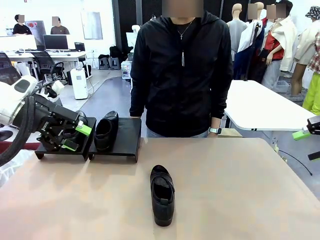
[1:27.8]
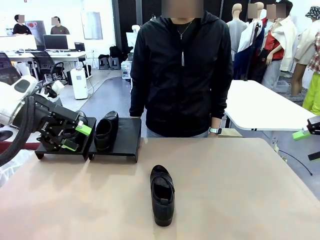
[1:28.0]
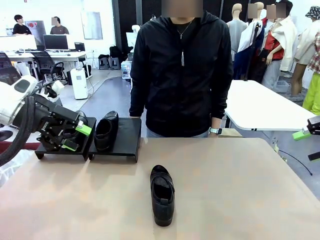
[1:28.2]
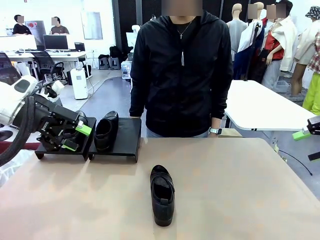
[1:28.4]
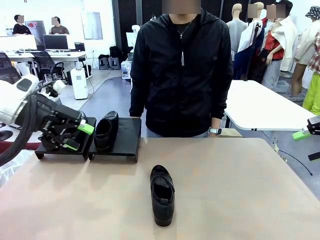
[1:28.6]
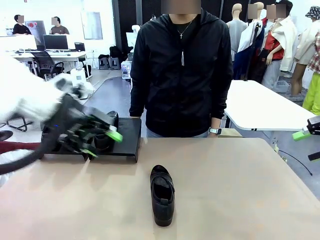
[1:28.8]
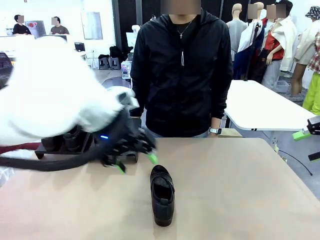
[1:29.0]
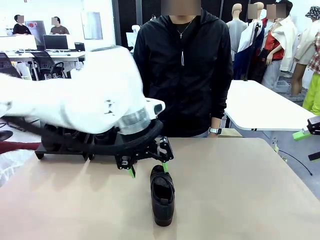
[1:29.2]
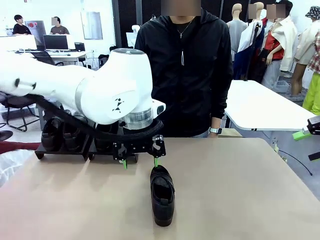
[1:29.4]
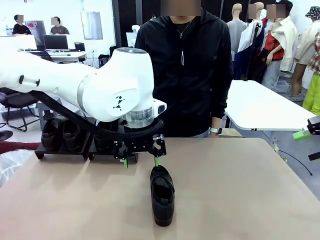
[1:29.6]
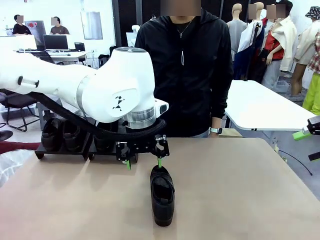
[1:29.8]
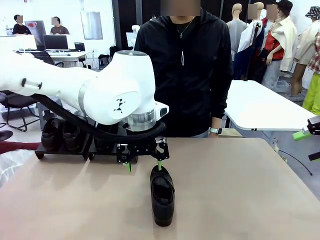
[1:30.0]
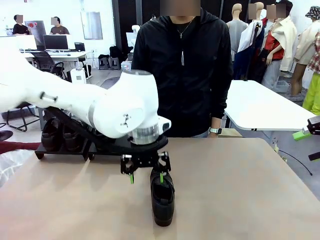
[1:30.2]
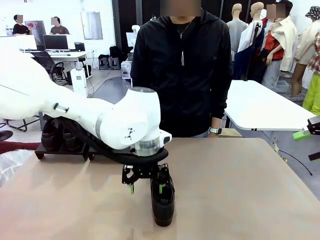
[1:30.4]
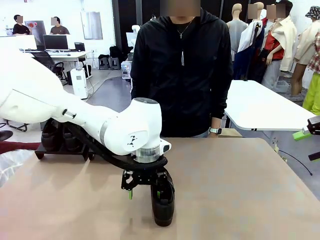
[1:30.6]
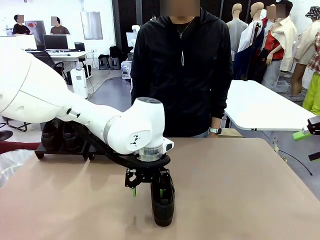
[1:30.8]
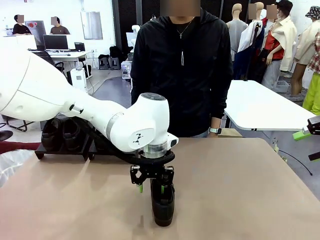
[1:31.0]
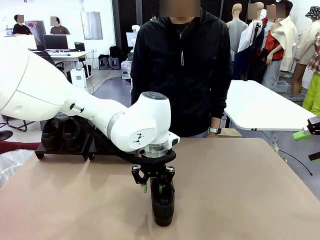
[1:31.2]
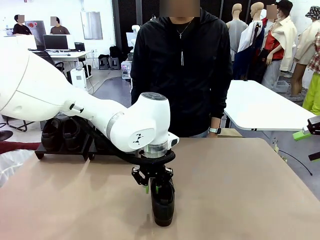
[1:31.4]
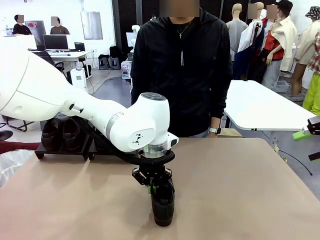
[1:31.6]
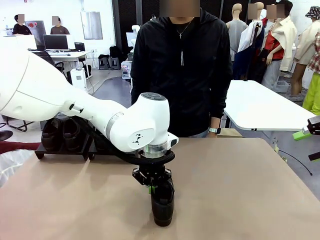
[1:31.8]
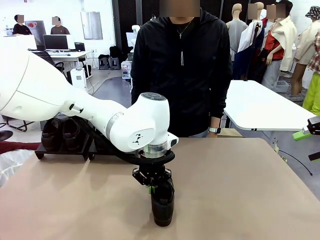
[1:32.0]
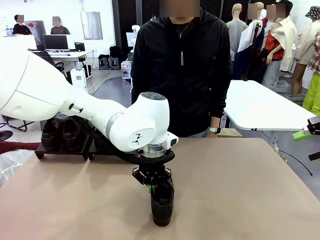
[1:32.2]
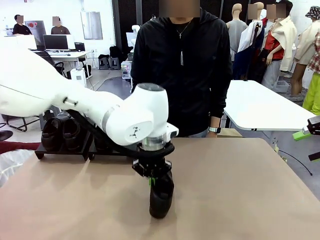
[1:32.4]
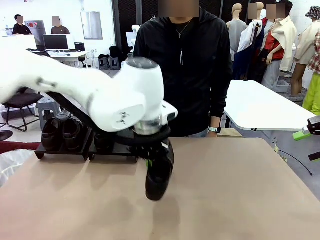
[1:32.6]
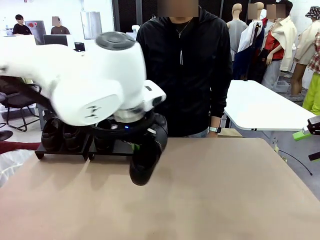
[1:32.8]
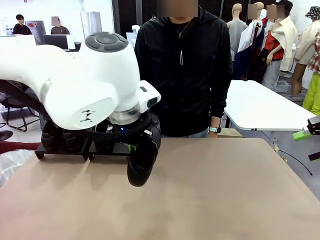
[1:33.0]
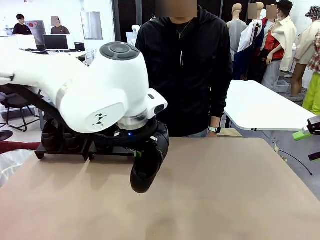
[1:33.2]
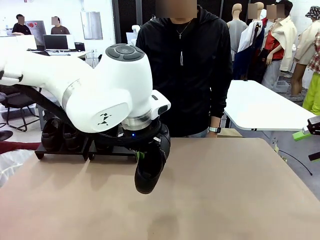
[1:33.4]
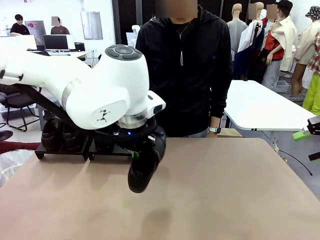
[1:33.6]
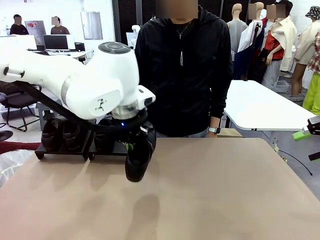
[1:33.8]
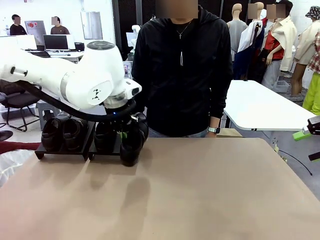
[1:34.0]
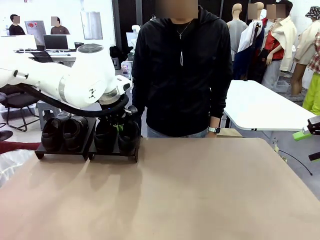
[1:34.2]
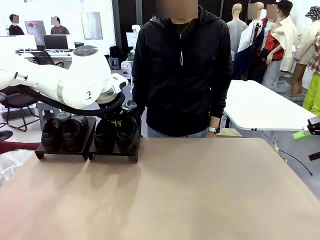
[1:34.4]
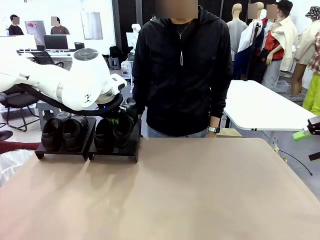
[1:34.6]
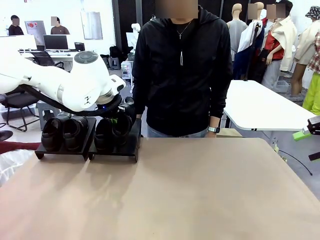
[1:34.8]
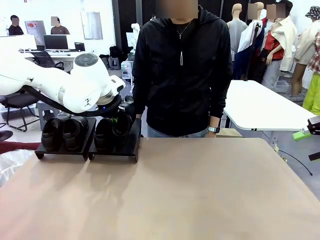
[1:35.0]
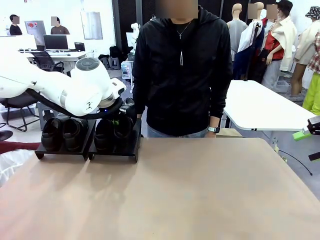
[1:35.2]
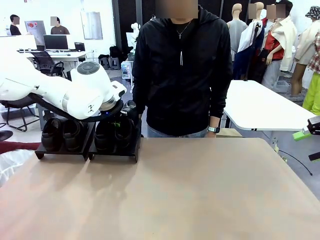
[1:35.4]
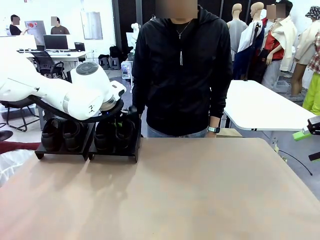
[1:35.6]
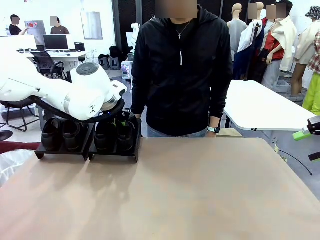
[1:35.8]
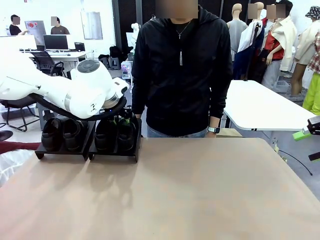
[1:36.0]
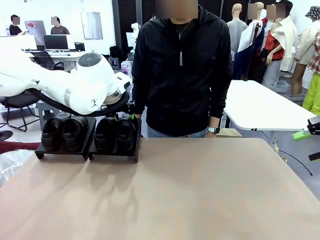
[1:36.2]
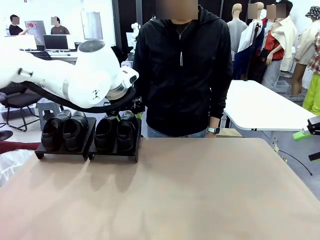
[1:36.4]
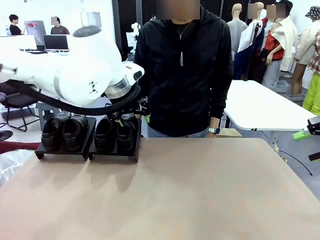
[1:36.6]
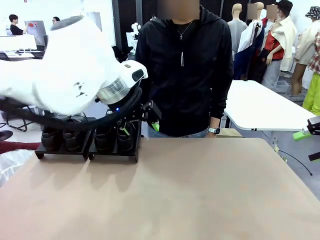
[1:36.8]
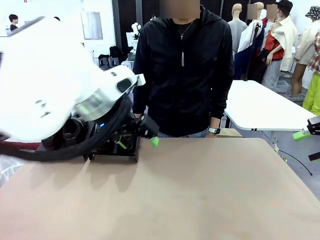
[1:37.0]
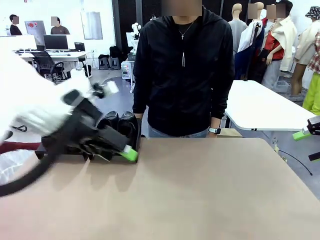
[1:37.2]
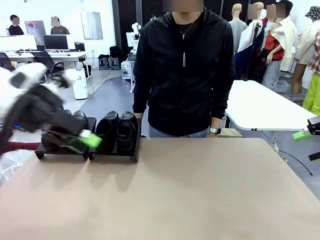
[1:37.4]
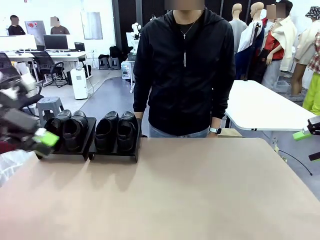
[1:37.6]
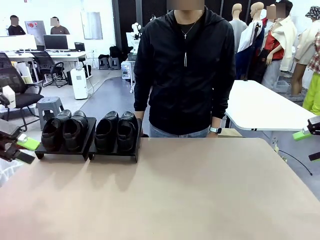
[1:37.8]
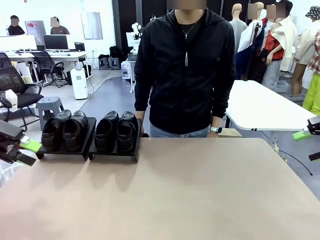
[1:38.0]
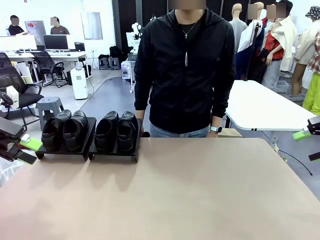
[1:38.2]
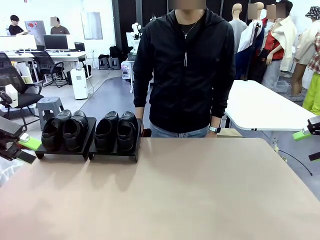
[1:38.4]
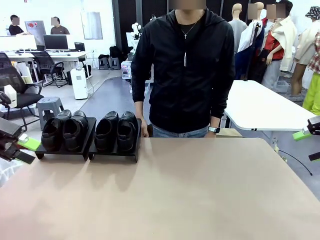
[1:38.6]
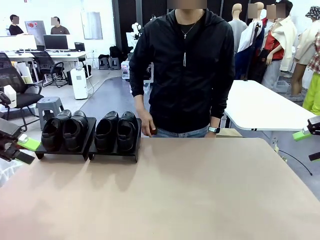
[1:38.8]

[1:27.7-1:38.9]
Task: Organize the shoes by placing them on the stand.
Robot: Place the Shoe from the middle of the table onto the Shoes Stand.

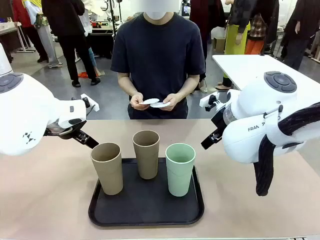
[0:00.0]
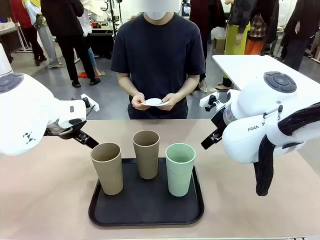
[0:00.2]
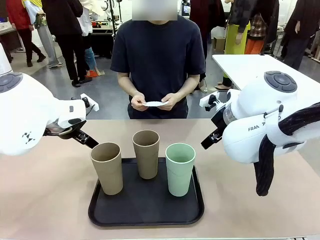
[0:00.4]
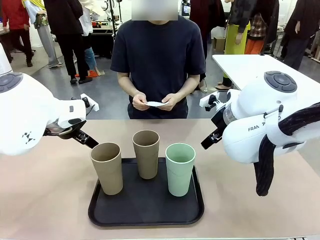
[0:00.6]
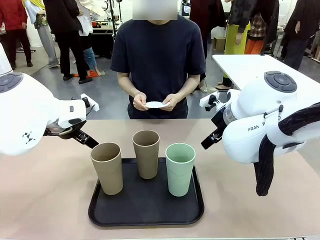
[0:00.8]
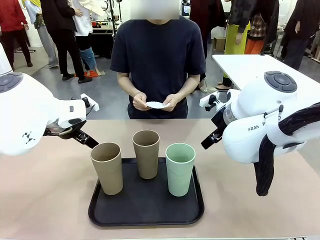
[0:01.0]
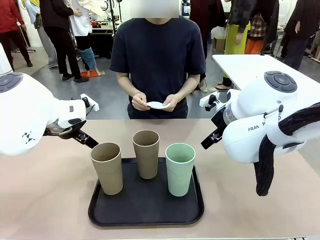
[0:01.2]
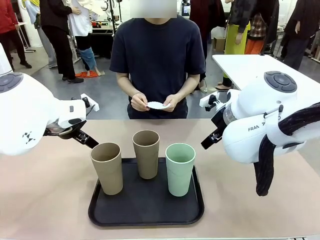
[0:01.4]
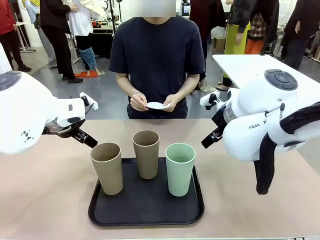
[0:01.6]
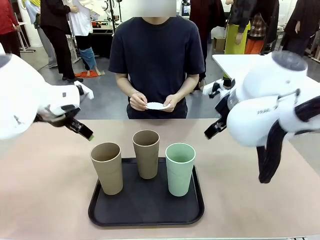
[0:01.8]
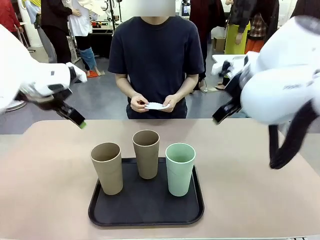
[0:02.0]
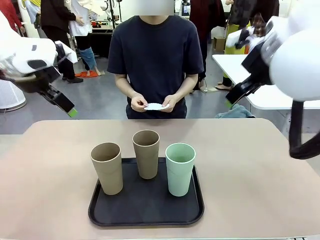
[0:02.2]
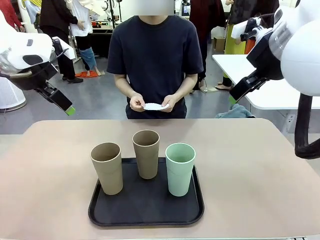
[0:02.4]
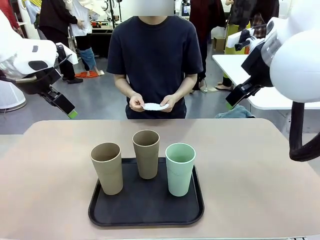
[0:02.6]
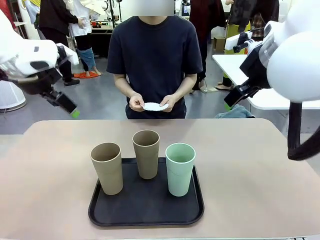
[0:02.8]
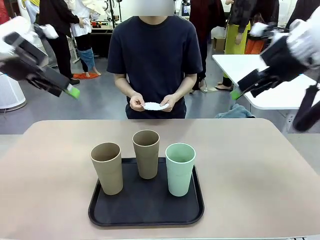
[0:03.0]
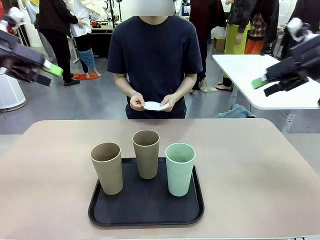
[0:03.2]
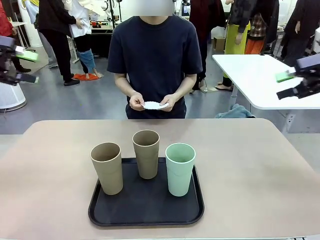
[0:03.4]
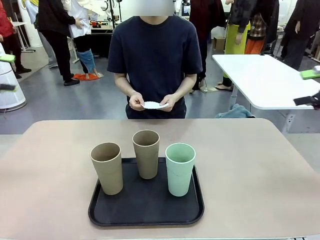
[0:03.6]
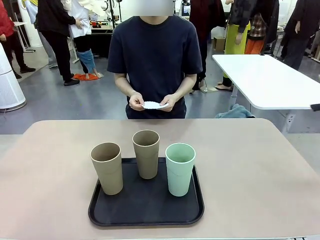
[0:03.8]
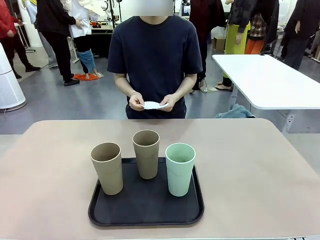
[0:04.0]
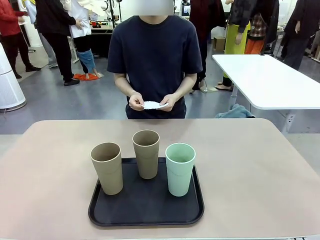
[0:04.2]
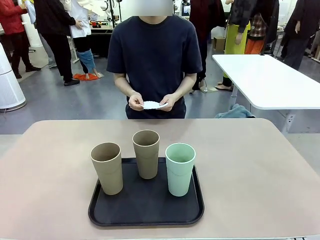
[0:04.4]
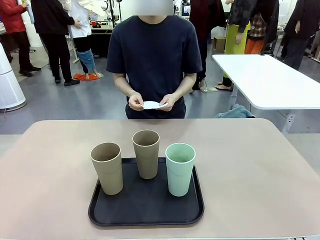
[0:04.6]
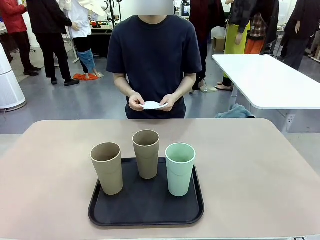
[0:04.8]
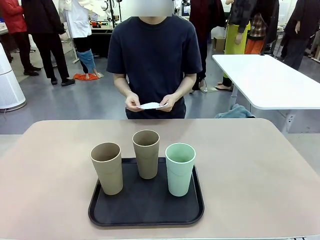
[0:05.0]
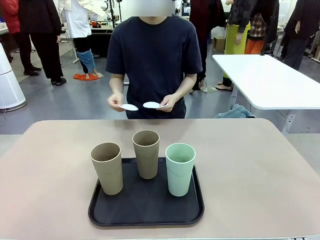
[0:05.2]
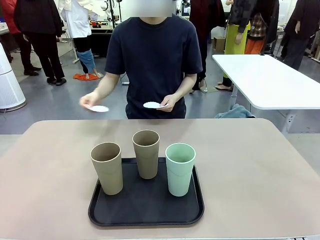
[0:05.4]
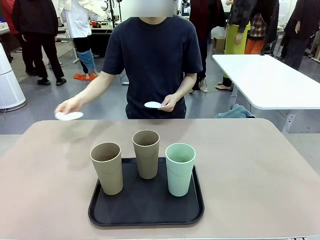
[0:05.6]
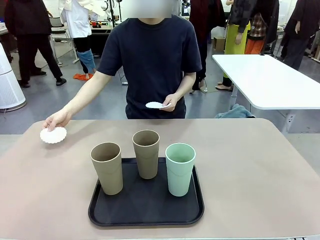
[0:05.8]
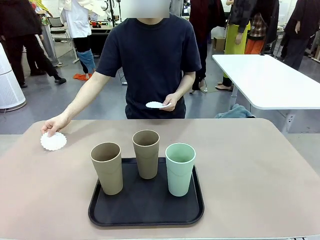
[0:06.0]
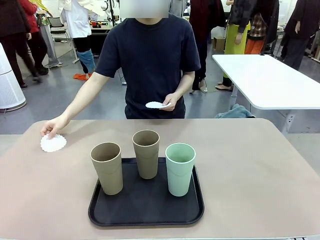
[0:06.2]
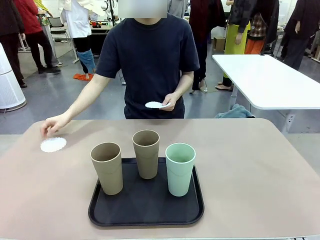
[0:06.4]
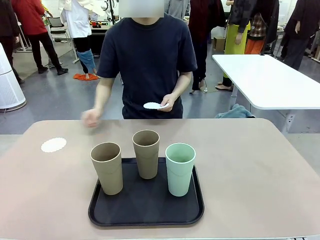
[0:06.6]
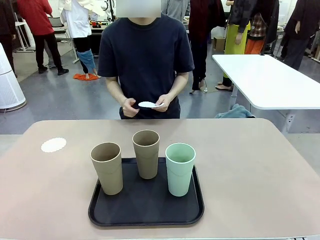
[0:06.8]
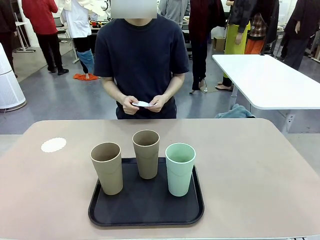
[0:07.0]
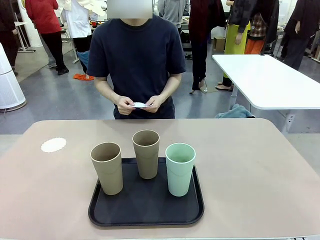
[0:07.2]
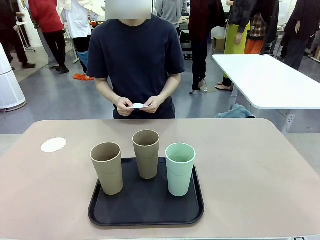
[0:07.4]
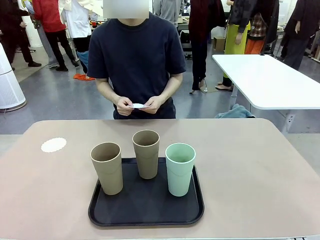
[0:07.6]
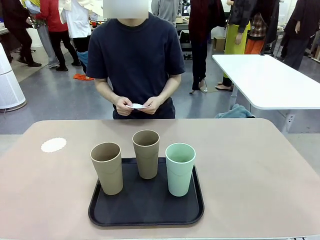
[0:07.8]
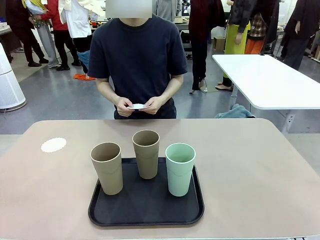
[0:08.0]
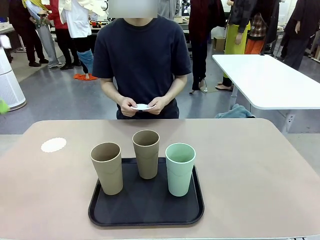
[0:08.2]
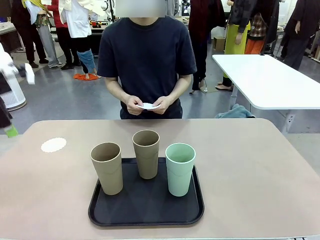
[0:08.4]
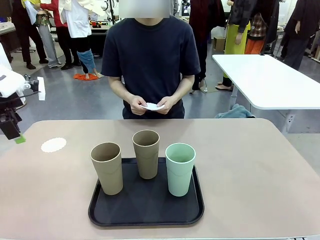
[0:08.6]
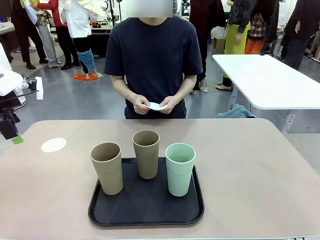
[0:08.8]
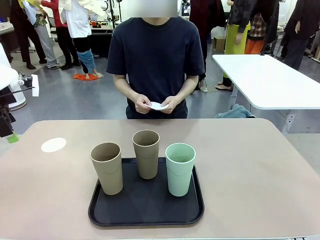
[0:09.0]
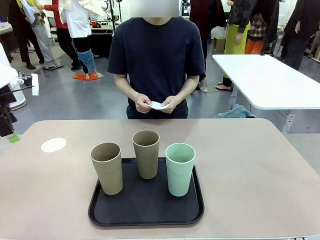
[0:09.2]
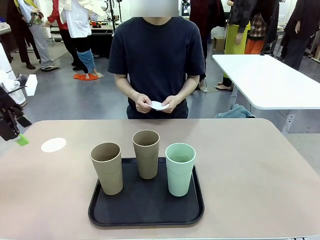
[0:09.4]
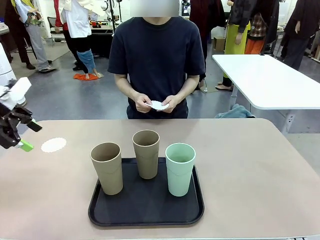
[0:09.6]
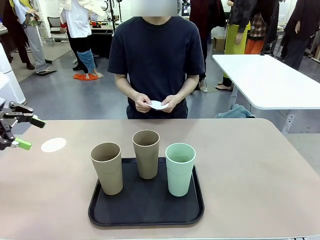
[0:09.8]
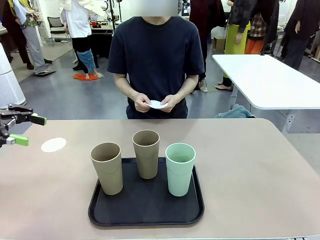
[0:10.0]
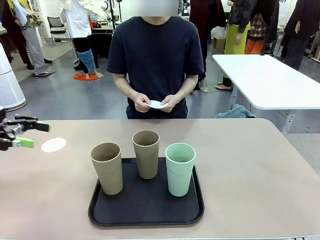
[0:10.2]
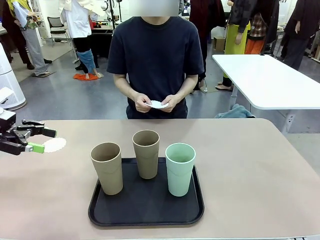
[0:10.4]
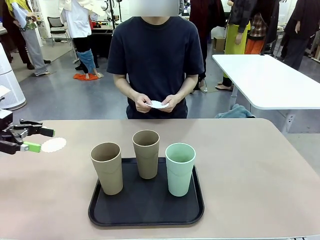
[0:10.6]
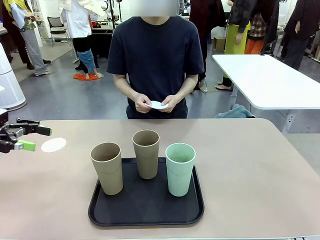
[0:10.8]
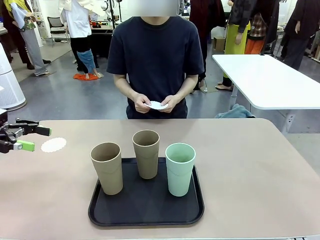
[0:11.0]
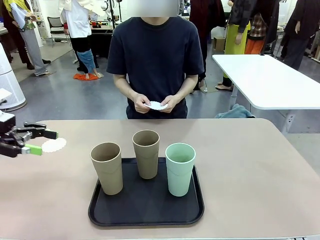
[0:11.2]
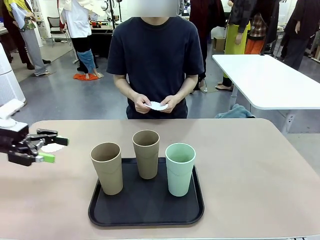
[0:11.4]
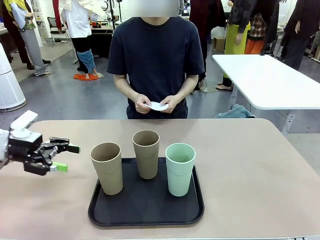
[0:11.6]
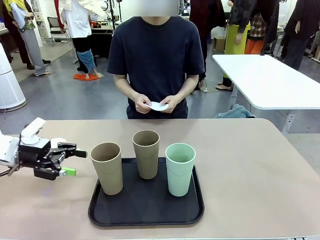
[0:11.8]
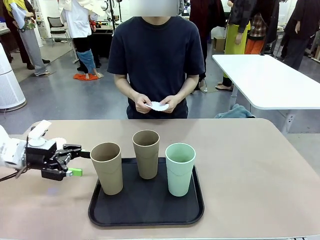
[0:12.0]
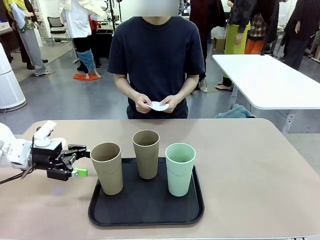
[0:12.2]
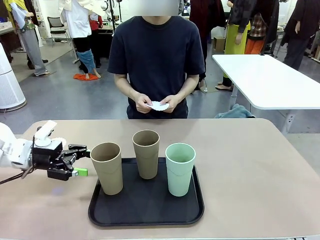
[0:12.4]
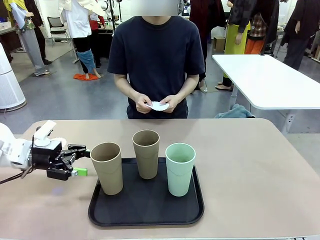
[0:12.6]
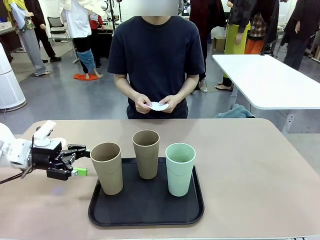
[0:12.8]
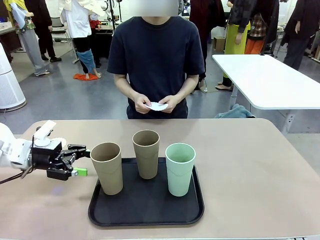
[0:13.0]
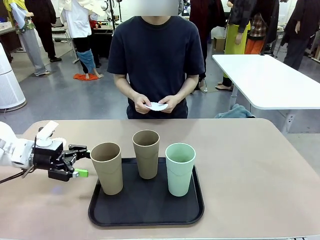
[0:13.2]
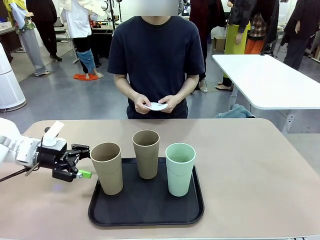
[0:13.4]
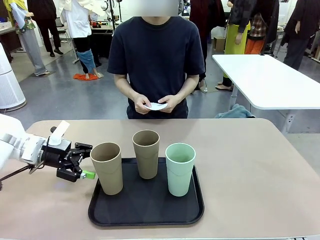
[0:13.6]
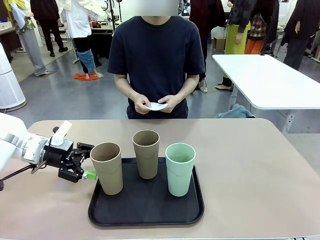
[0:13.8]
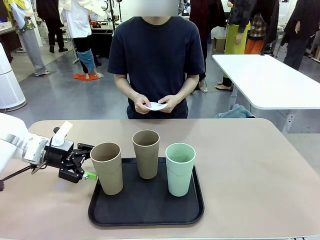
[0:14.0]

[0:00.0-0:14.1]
Task: Place coasters on the table and set cups on them.
Robot: Pick up one Reusable plastic cup and place it on a coaster set by the human.
Person: Place one coaster in any one of the three lower areas of the robot table (left, center, or right).
